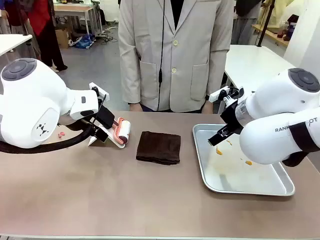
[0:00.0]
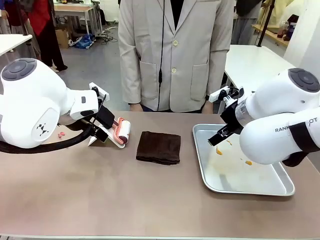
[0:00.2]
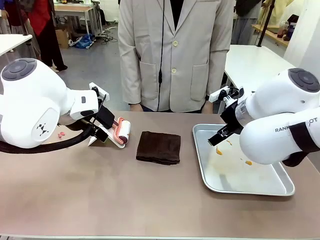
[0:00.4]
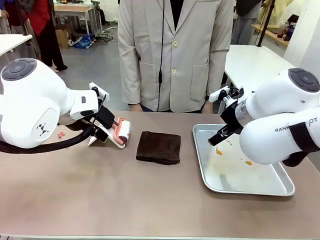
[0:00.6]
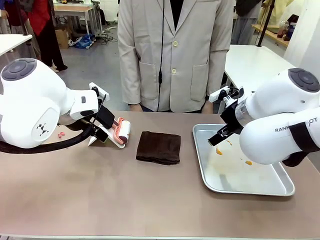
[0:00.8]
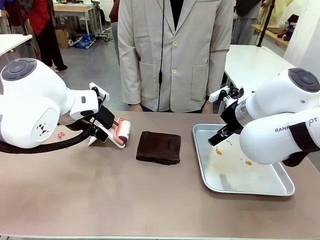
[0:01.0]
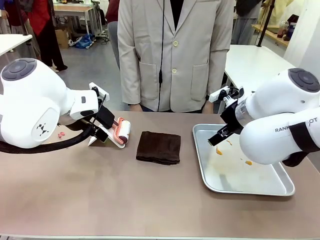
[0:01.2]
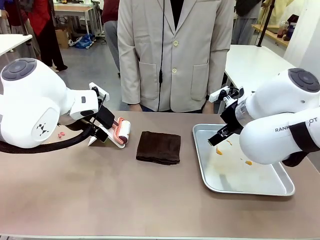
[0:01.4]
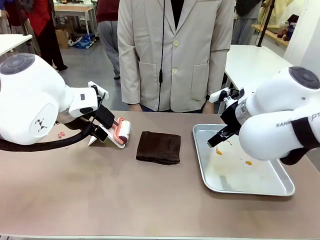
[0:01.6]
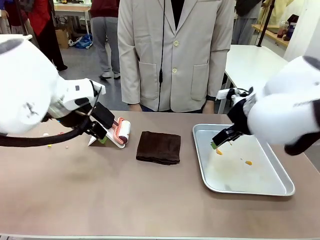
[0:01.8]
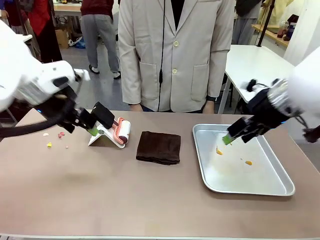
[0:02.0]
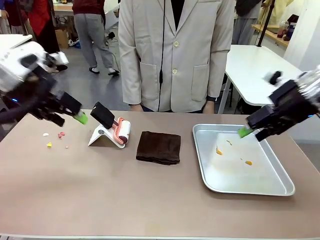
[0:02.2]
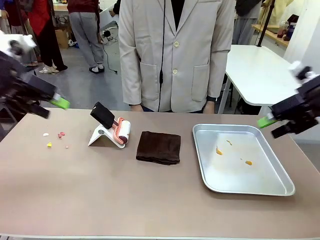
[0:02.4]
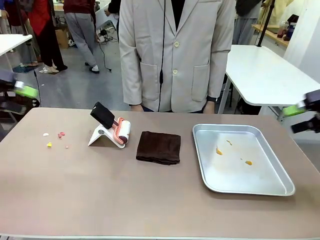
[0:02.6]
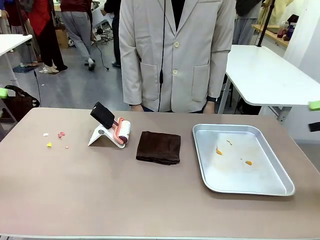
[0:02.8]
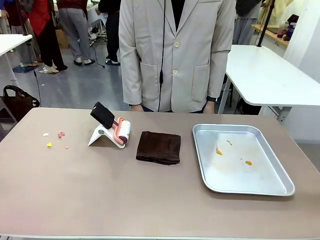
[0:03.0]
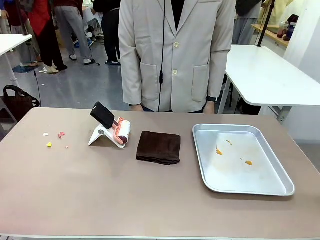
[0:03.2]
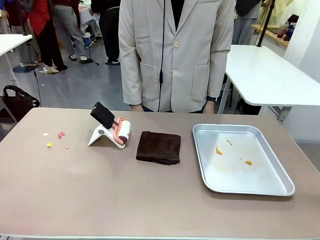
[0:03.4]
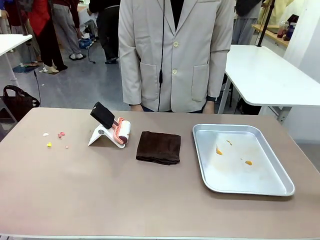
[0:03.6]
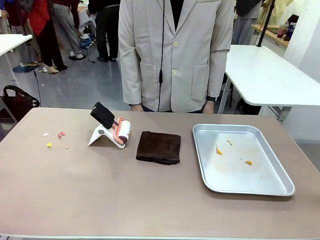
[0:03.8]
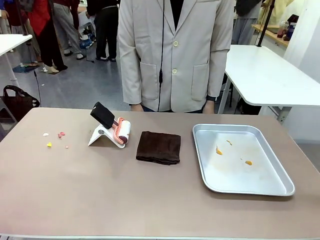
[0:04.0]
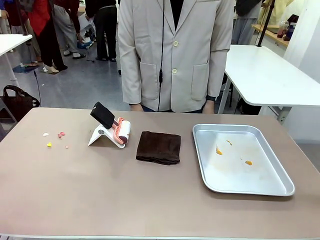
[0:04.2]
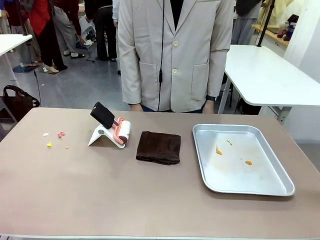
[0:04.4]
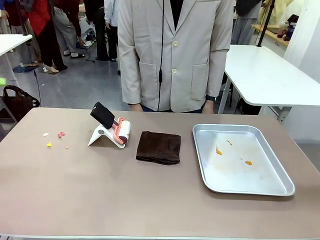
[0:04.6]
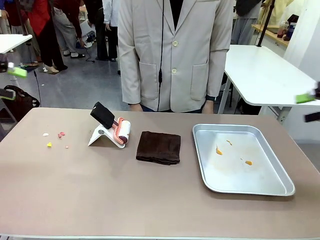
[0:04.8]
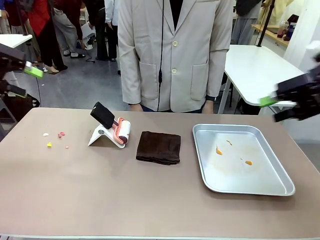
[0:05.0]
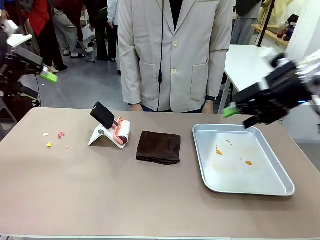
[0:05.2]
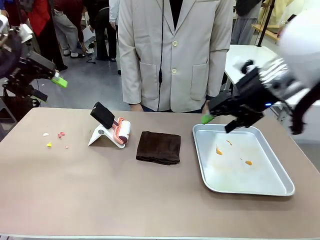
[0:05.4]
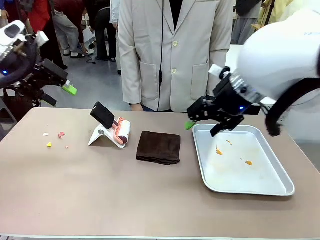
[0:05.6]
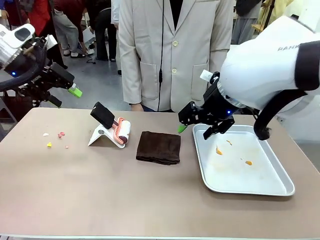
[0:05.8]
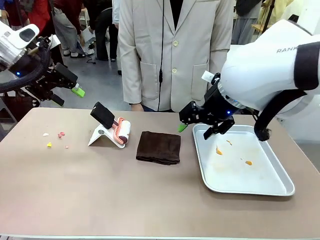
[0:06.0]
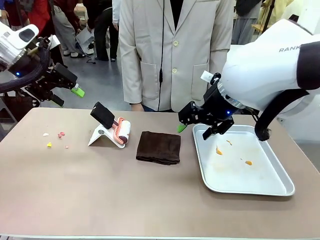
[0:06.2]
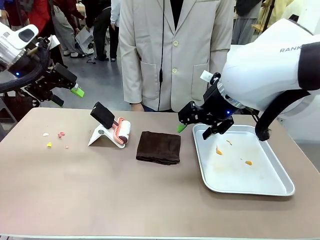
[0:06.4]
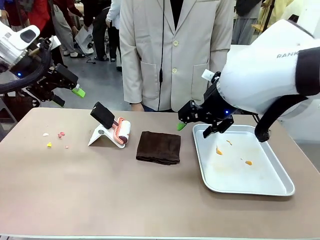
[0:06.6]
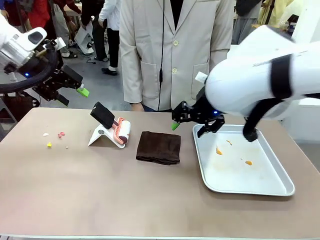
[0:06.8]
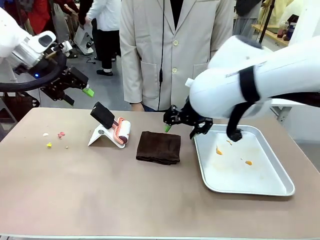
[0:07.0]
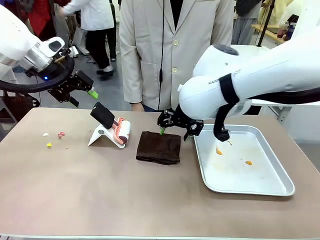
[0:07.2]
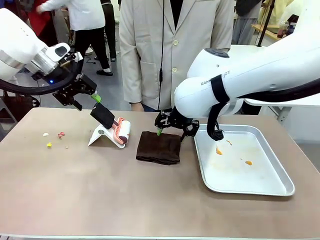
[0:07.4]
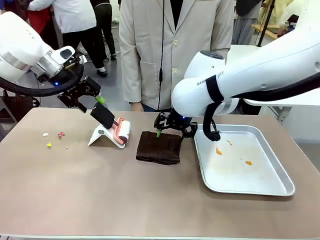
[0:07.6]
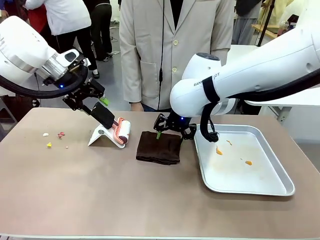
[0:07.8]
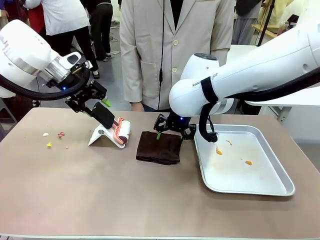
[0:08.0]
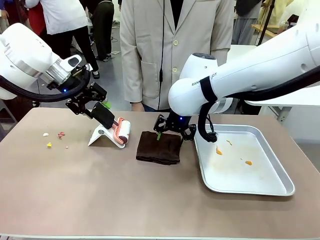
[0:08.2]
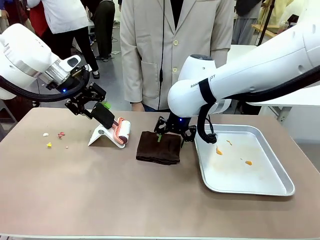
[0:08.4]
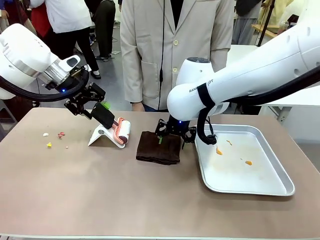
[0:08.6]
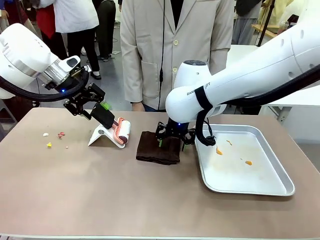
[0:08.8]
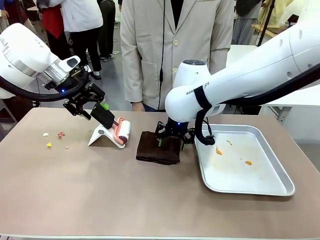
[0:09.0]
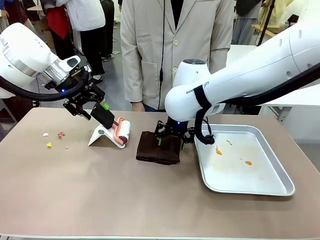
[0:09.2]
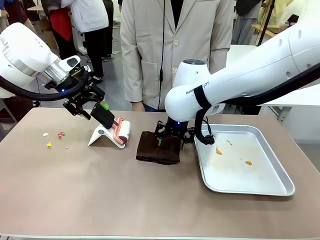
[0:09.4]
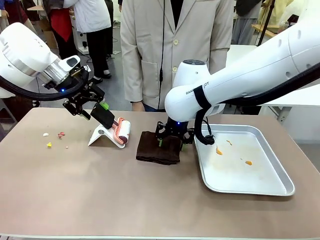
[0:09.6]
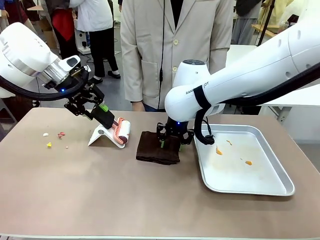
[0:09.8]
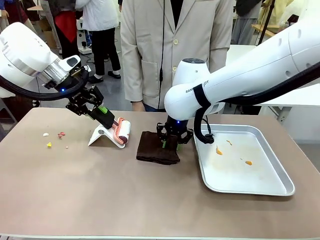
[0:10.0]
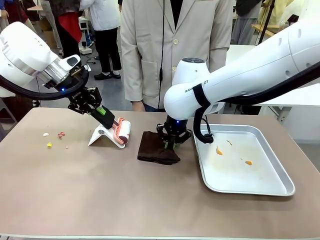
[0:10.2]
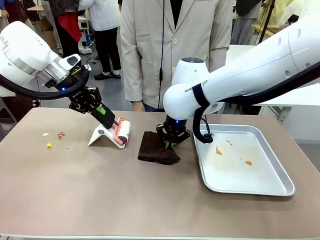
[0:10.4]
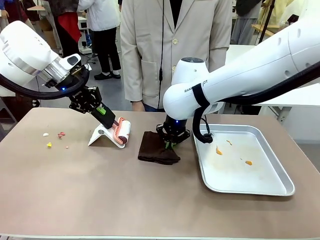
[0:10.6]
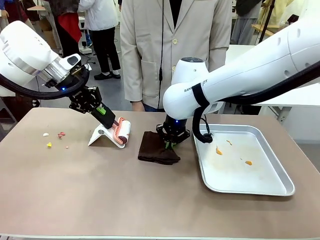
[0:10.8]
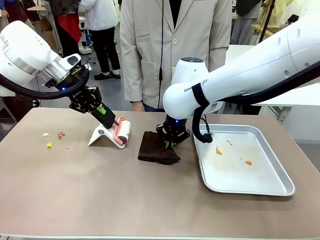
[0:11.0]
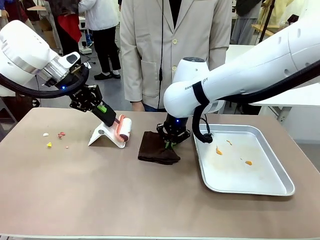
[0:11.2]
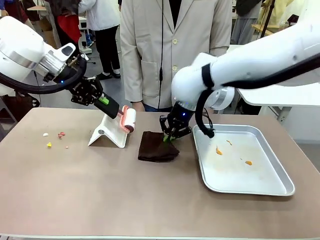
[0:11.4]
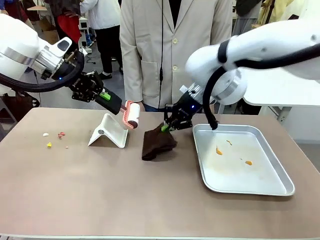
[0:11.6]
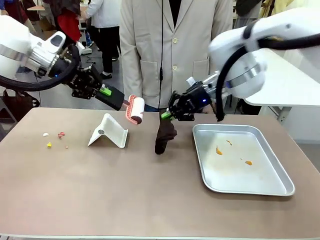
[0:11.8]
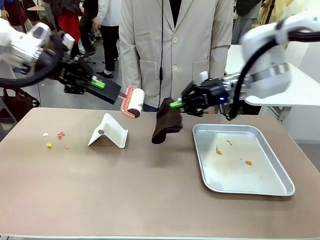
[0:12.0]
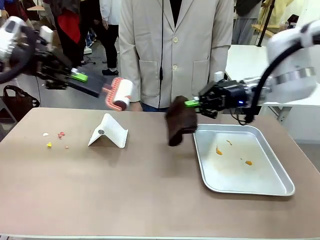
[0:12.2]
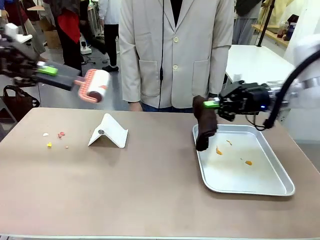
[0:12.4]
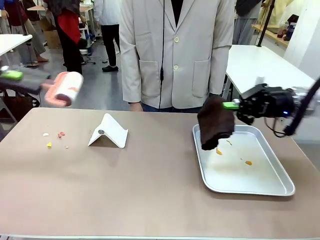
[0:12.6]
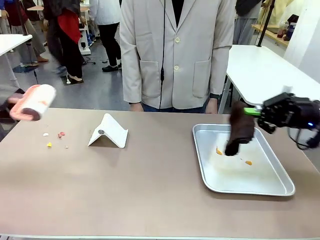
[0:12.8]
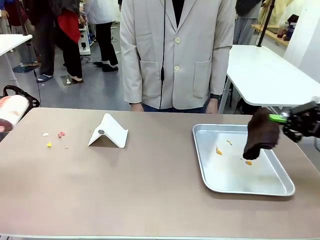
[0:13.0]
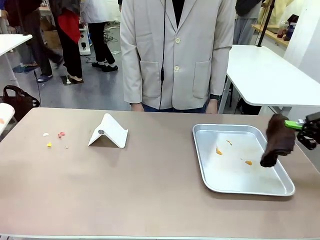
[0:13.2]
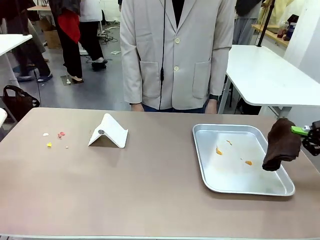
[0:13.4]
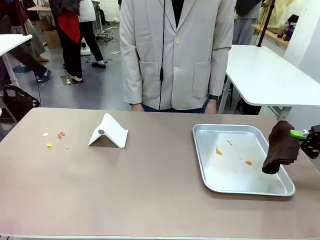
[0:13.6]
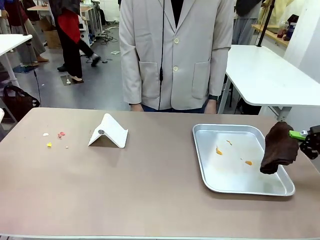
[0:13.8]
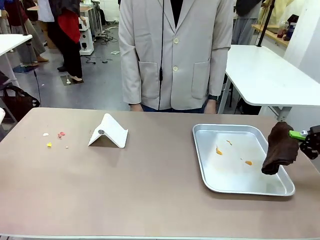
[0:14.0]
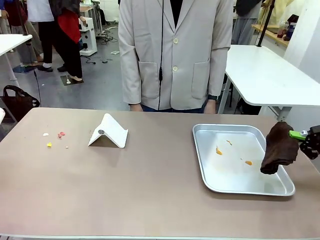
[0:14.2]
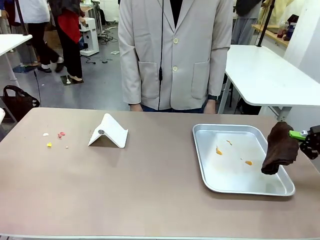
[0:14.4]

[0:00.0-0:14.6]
Task: Clean the surface of the table.
Robot: Hold the Lint Roller with your left hand and the towel with your right hand.

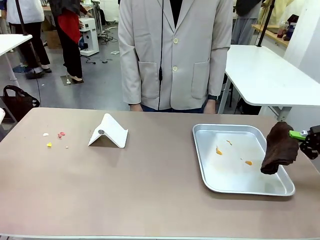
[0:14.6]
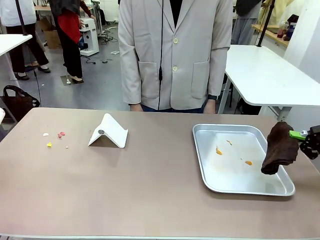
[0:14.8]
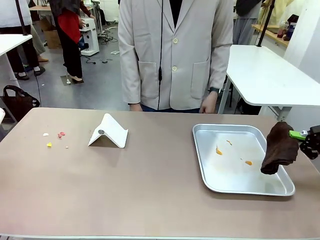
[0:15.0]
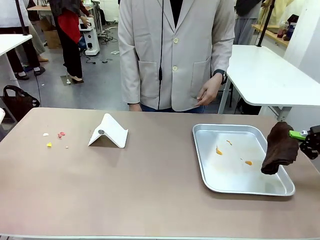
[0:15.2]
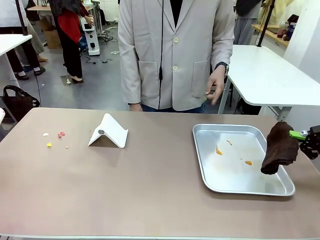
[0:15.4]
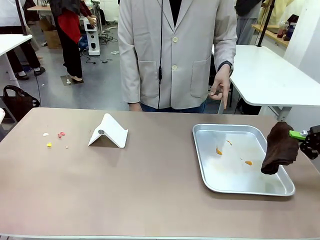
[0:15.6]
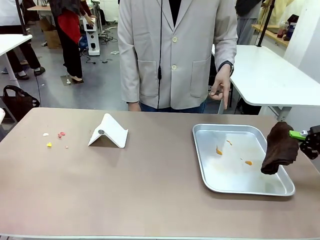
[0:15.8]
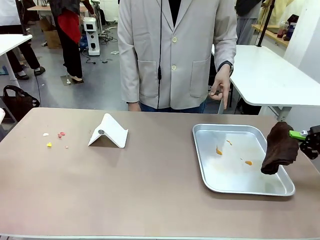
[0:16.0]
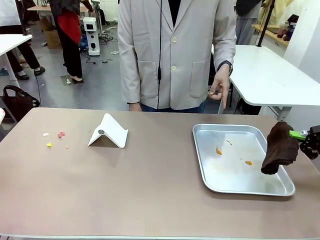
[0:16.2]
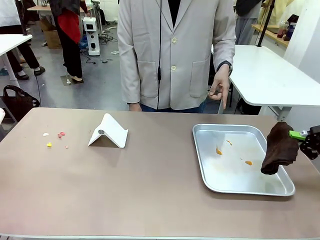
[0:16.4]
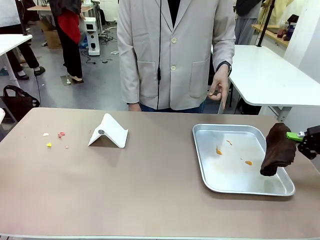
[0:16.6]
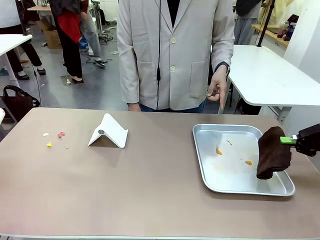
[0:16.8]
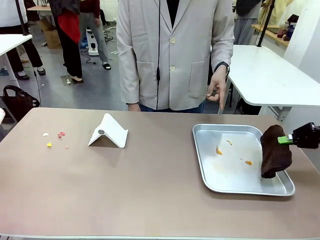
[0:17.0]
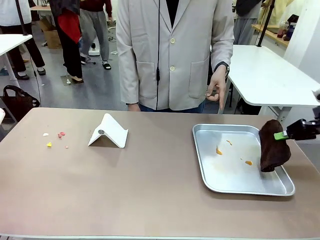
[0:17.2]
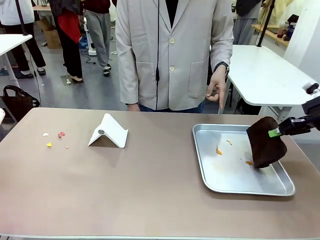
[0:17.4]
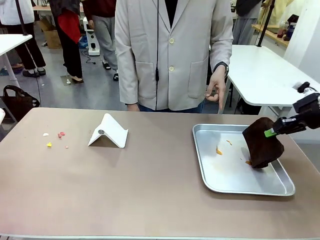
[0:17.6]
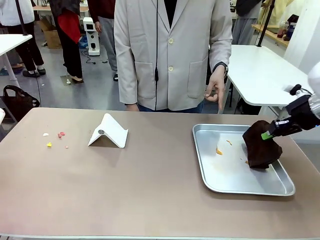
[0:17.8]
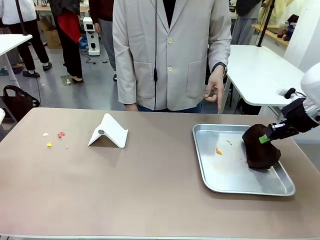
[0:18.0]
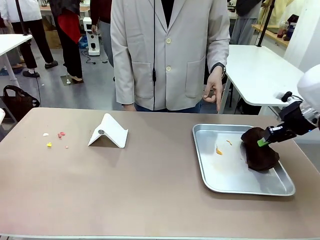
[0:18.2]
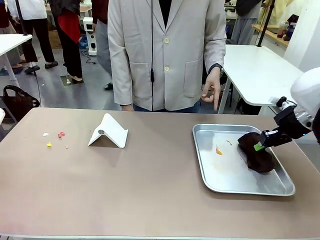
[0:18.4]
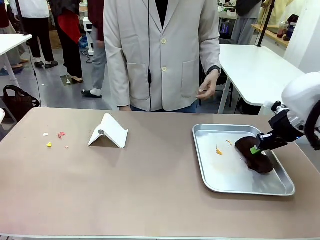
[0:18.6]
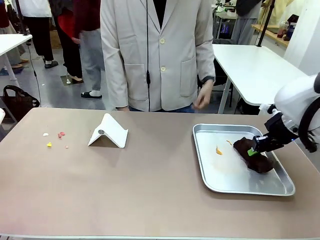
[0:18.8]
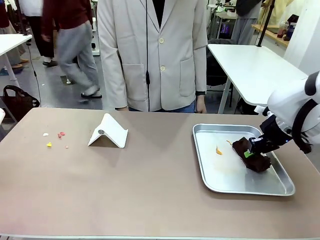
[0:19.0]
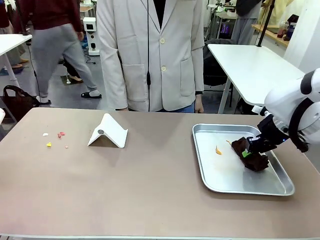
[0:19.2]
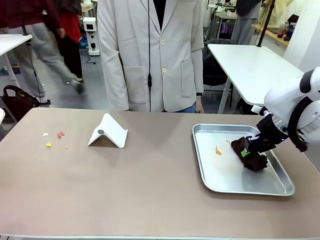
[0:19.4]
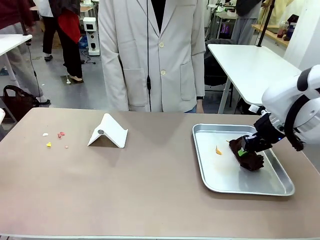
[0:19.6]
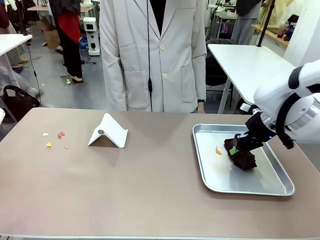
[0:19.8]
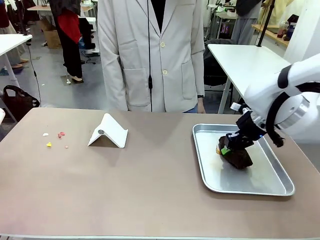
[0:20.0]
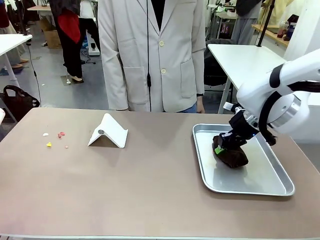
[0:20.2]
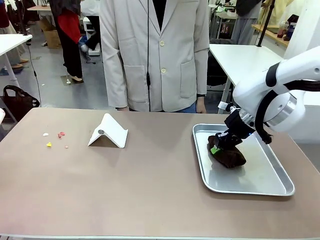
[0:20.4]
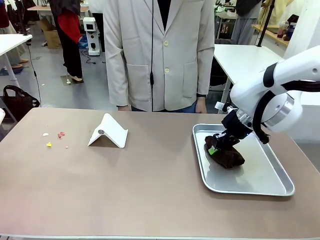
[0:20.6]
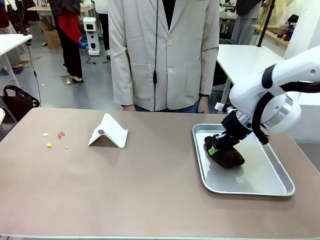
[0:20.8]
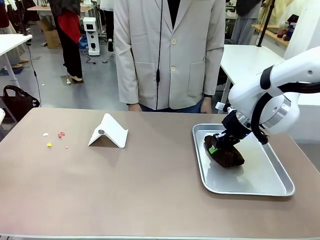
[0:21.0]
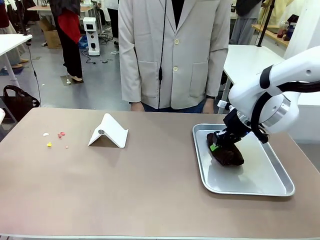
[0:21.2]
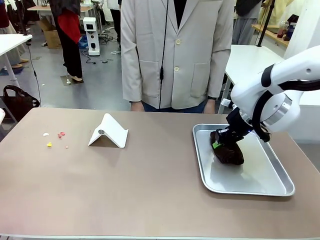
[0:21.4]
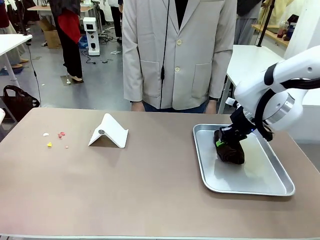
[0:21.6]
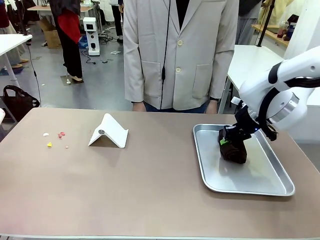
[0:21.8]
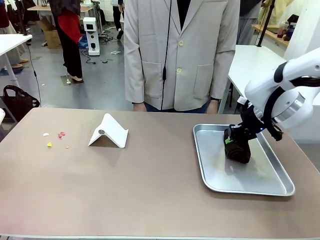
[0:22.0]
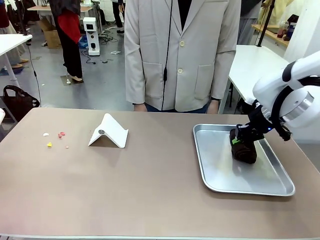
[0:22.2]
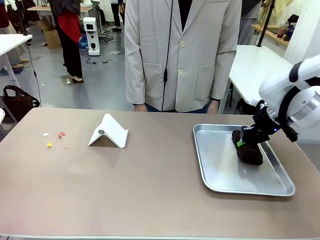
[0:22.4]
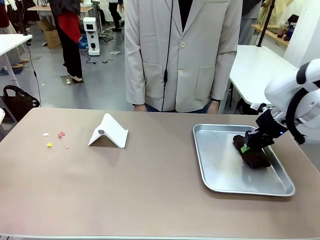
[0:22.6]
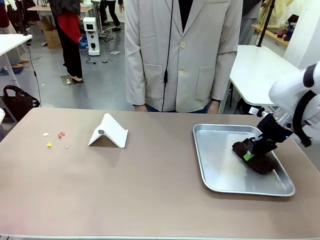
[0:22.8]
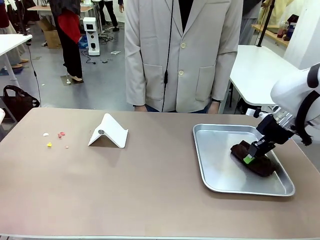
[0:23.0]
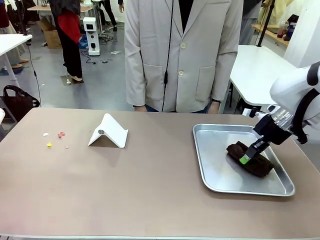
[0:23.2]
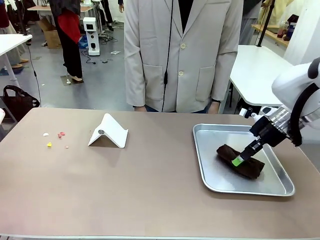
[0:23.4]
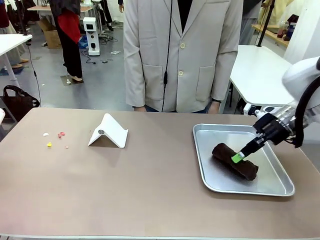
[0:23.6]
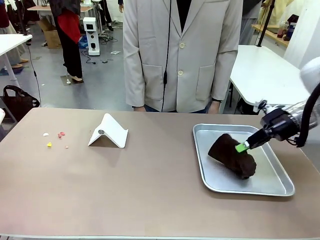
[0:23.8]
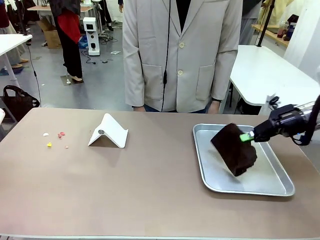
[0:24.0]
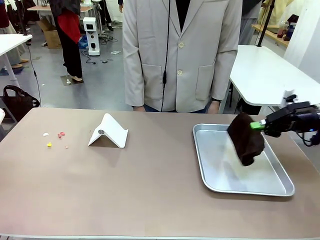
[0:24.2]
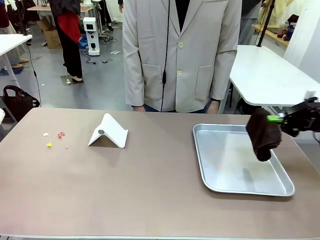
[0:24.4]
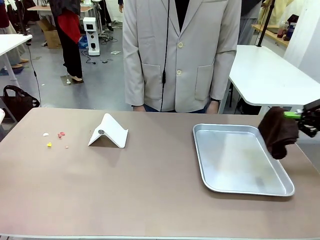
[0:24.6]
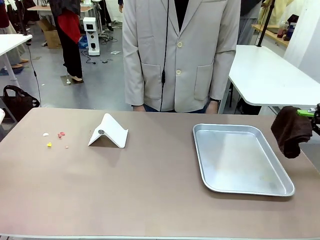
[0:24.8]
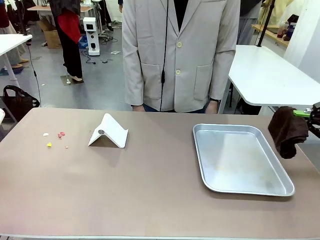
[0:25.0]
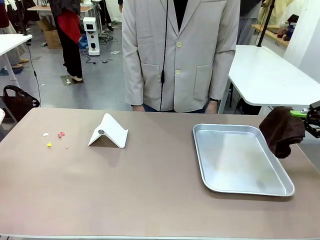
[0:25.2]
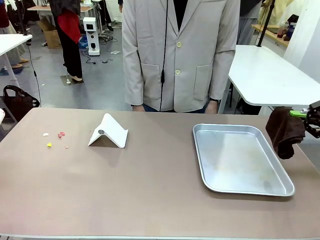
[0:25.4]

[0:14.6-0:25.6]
Robot: If a person points to the right, clean the right side of the table with your right hand, and if they point to the left, clean the left side with your left hand.
